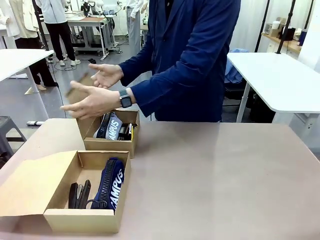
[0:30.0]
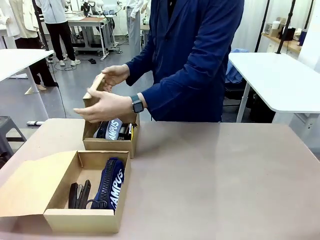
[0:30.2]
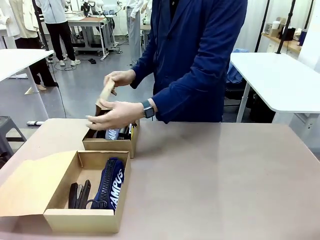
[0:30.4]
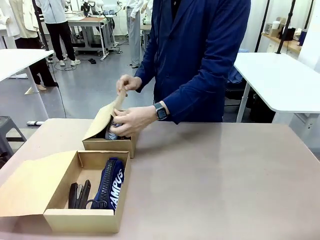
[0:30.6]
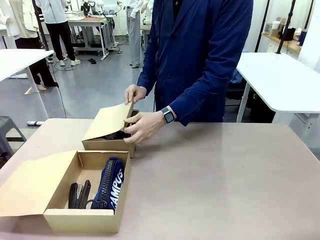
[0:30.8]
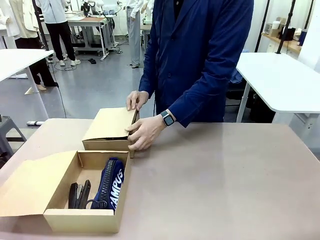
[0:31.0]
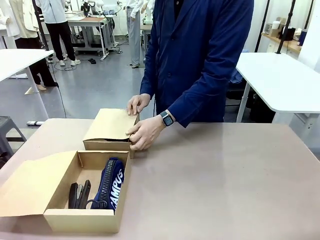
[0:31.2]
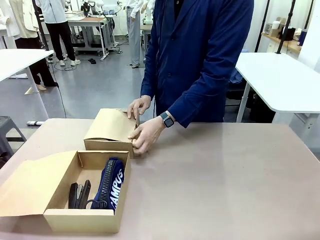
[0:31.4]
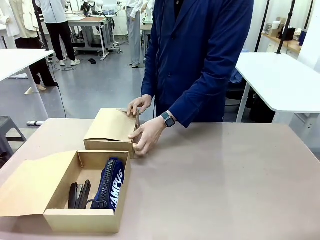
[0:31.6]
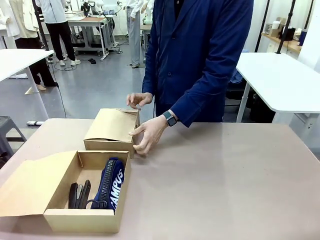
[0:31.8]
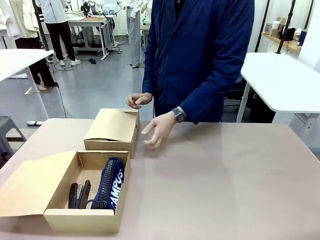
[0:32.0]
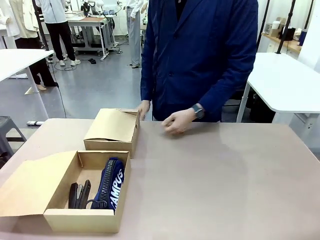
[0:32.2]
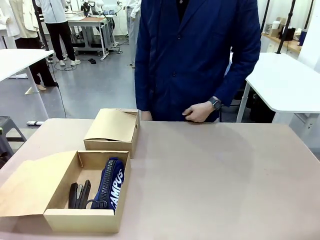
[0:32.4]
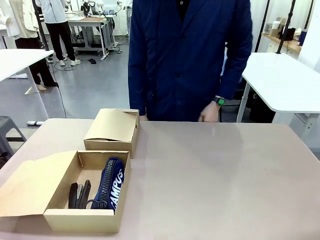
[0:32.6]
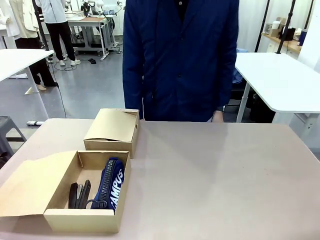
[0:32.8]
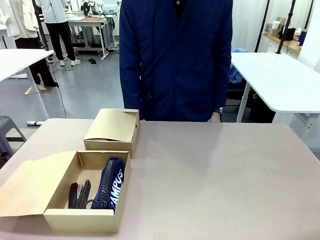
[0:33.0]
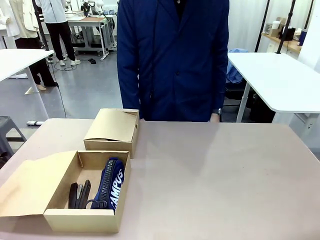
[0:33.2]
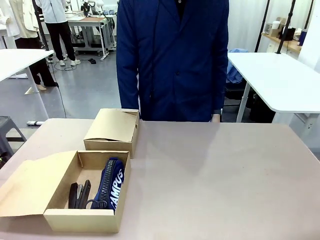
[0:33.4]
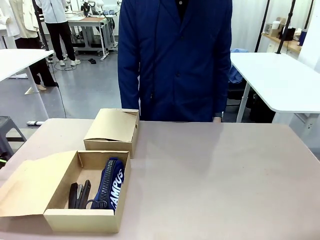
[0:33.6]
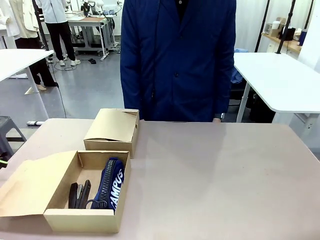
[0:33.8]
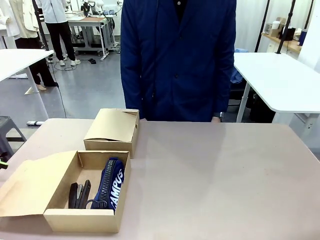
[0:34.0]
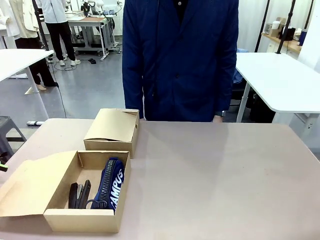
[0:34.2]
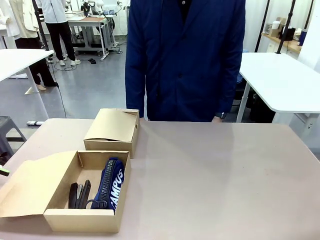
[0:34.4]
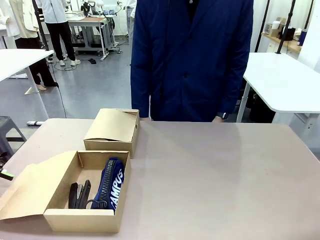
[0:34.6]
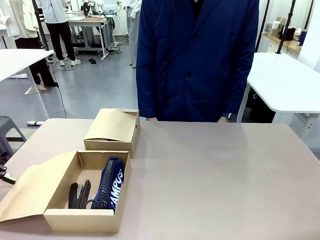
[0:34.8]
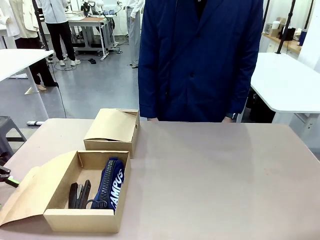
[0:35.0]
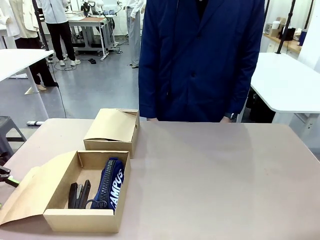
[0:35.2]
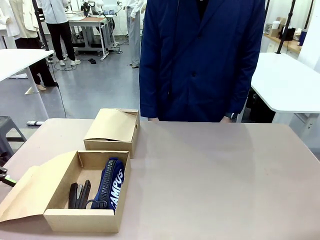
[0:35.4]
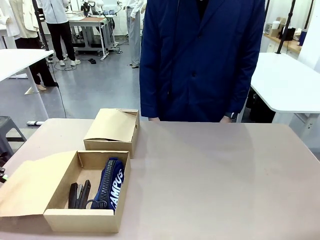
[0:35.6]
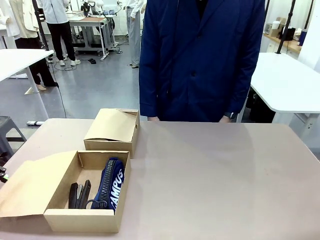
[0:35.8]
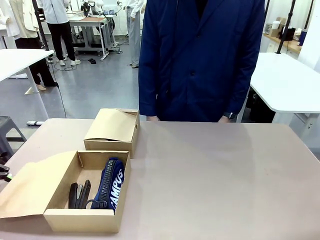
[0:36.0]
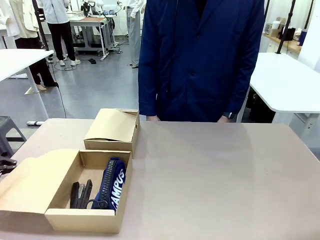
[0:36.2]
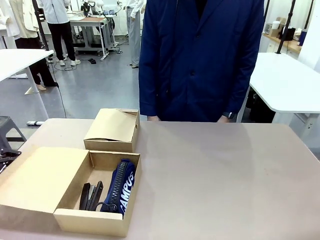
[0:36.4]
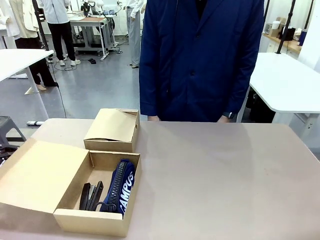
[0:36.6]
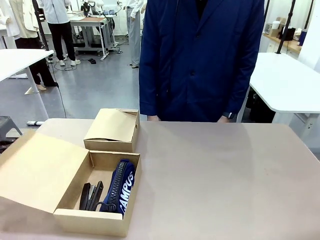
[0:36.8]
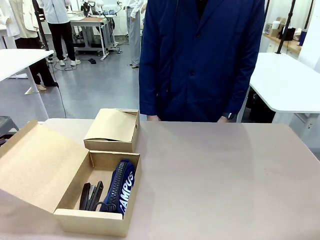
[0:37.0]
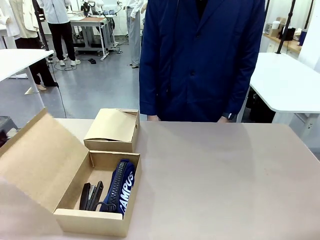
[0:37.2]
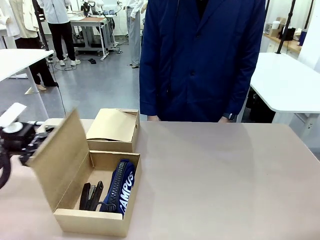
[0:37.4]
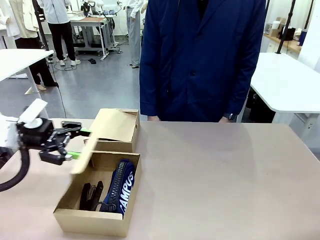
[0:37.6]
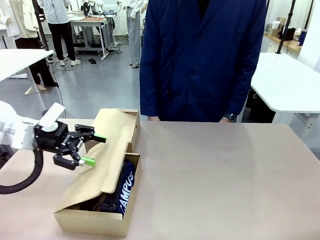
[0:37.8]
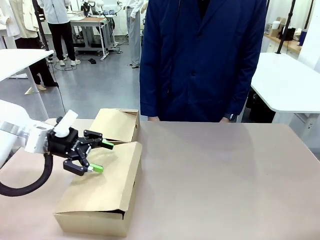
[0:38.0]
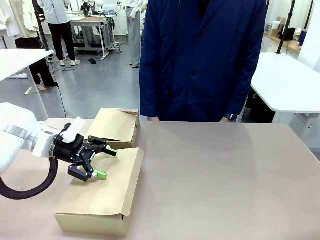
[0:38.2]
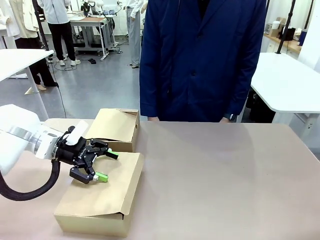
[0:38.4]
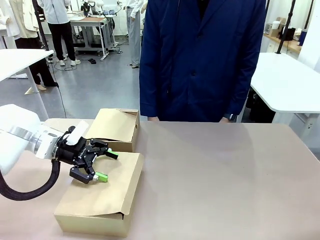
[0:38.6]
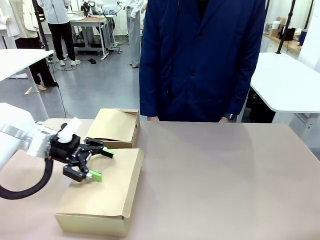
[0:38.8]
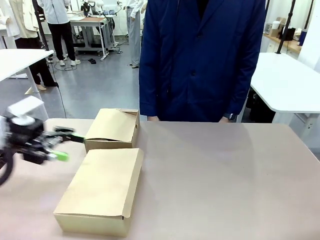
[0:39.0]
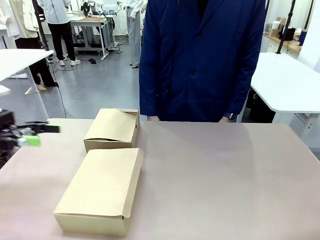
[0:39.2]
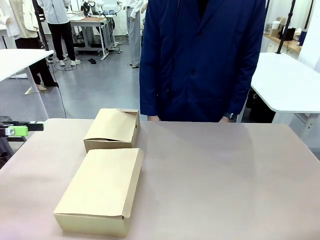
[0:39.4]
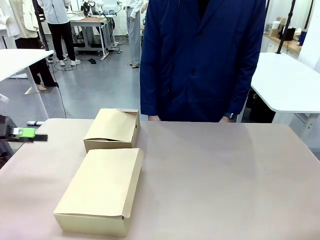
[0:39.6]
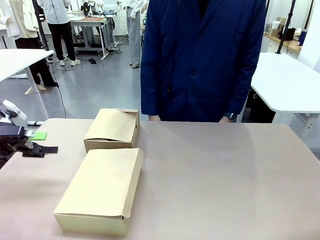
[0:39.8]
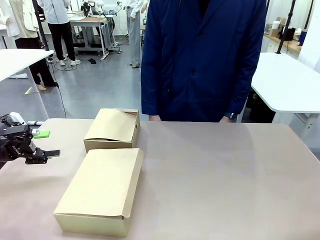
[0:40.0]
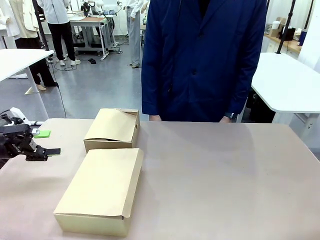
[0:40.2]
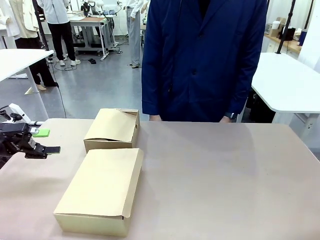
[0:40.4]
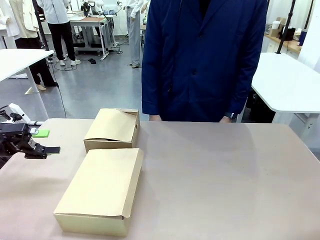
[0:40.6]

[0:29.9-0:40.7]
Task: Place items inside the box.
Robot: Close the lid of the Mailer Box closest to the robot.
Person: Close the lid of the box facing the person.

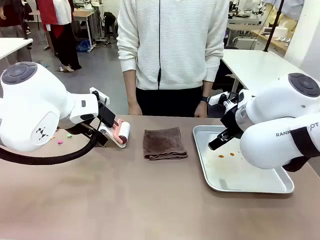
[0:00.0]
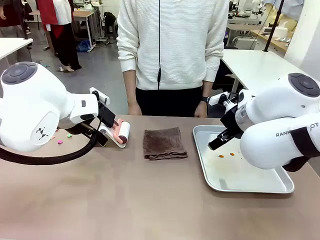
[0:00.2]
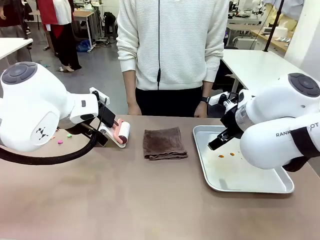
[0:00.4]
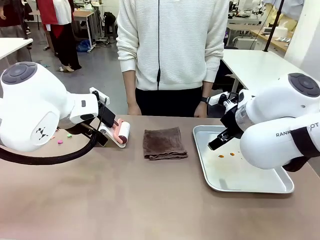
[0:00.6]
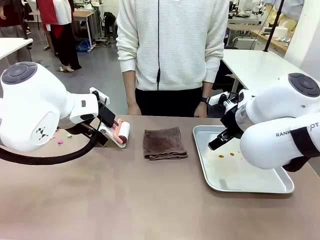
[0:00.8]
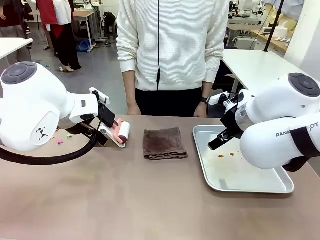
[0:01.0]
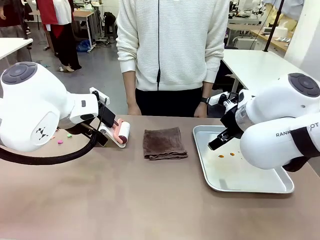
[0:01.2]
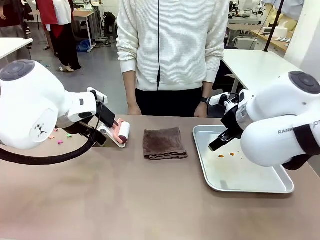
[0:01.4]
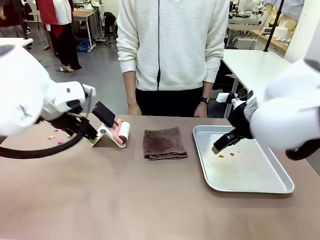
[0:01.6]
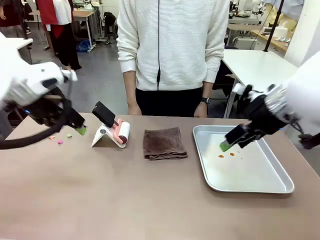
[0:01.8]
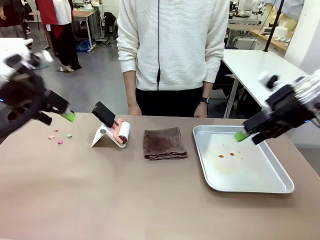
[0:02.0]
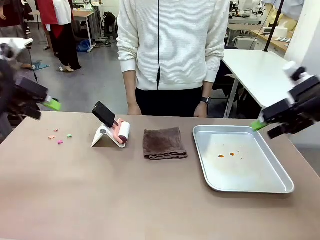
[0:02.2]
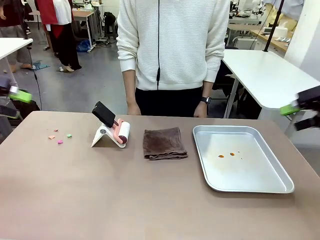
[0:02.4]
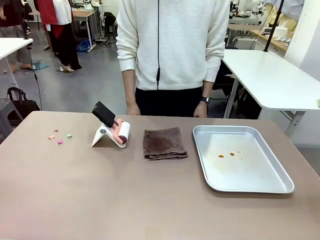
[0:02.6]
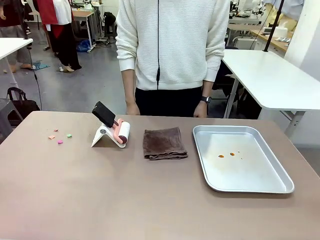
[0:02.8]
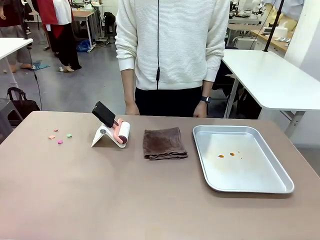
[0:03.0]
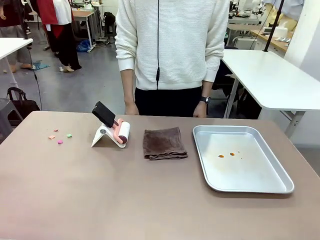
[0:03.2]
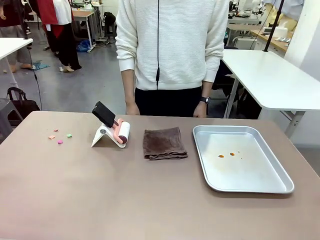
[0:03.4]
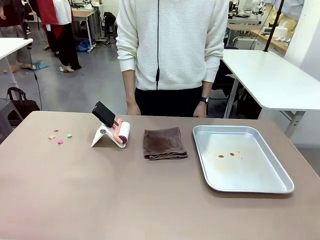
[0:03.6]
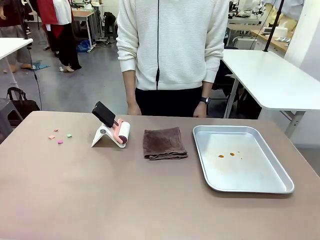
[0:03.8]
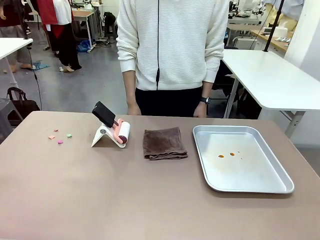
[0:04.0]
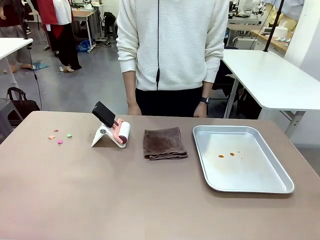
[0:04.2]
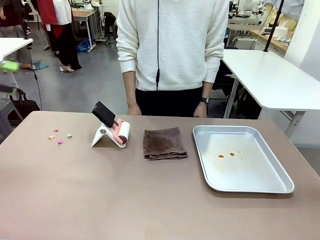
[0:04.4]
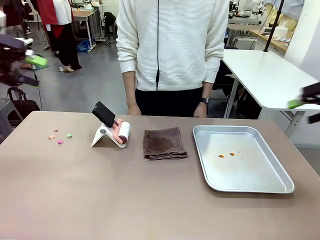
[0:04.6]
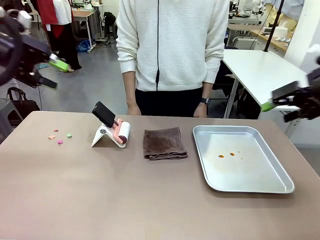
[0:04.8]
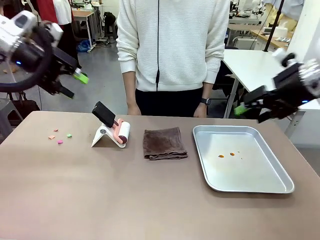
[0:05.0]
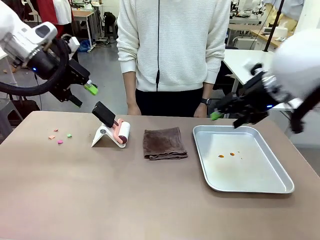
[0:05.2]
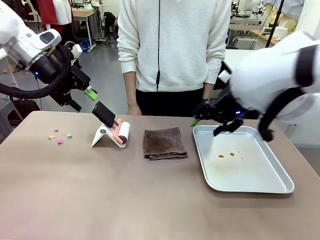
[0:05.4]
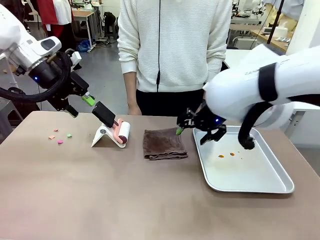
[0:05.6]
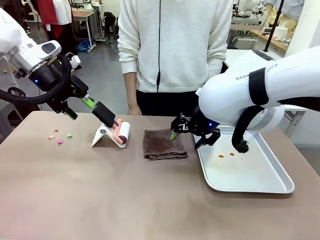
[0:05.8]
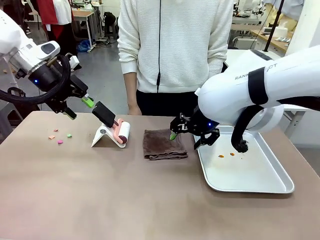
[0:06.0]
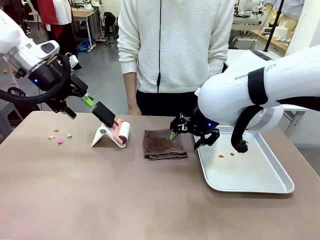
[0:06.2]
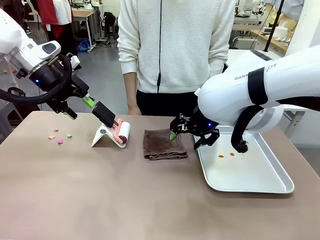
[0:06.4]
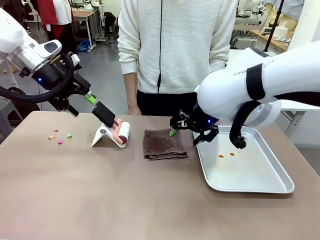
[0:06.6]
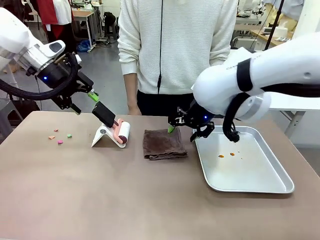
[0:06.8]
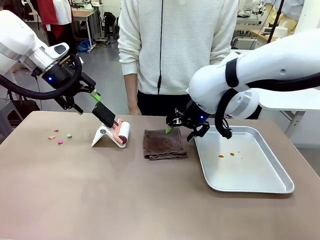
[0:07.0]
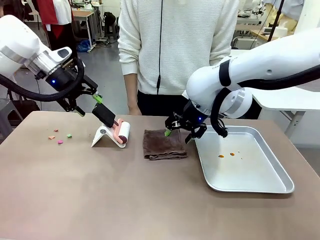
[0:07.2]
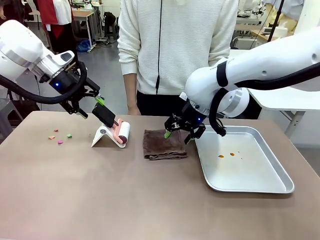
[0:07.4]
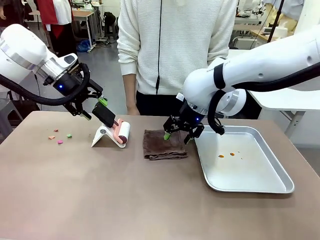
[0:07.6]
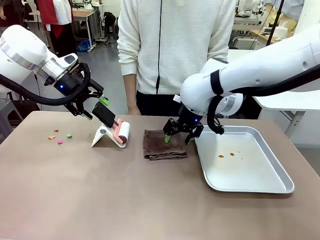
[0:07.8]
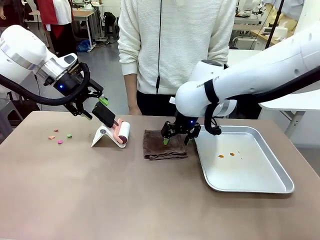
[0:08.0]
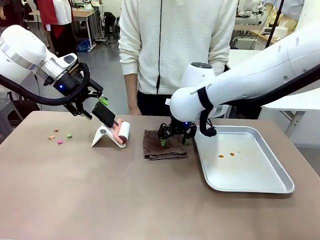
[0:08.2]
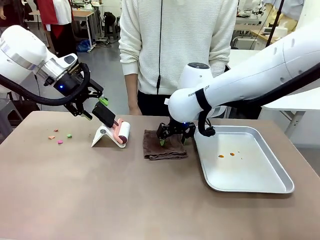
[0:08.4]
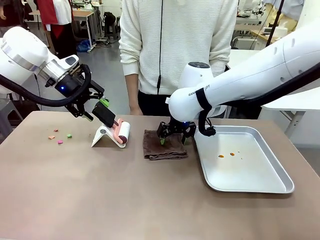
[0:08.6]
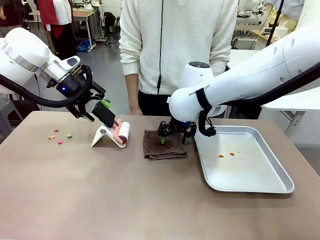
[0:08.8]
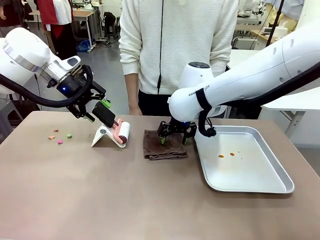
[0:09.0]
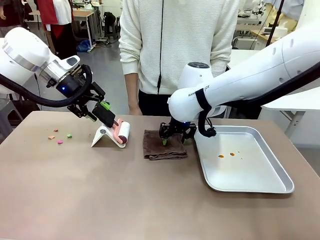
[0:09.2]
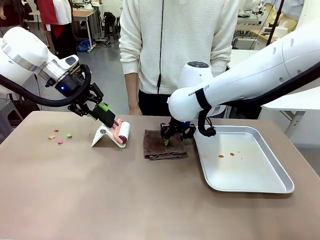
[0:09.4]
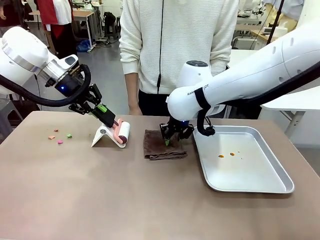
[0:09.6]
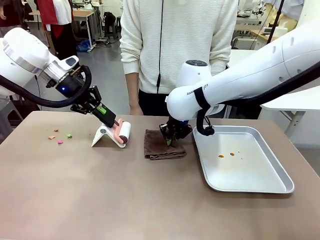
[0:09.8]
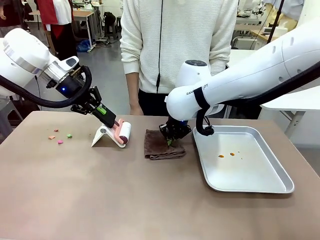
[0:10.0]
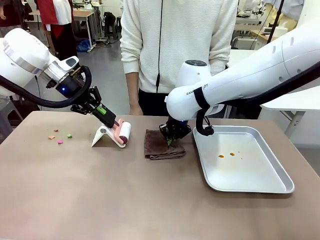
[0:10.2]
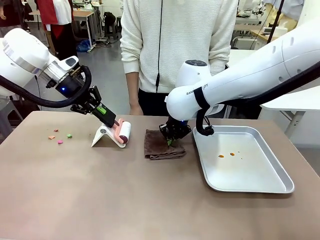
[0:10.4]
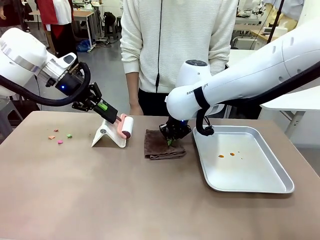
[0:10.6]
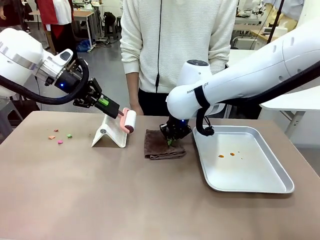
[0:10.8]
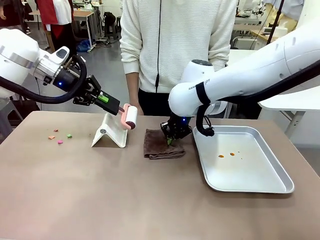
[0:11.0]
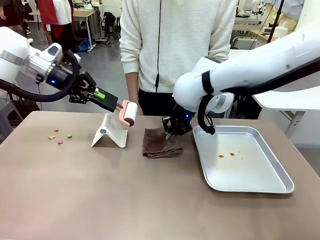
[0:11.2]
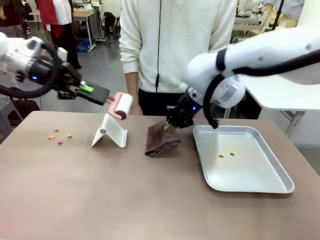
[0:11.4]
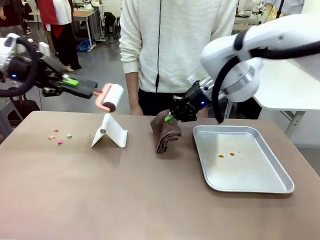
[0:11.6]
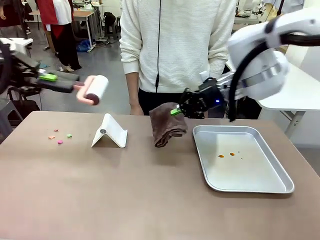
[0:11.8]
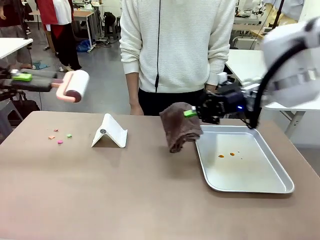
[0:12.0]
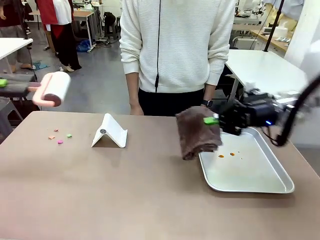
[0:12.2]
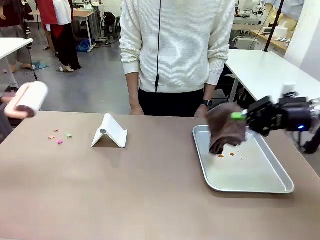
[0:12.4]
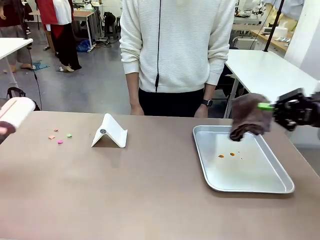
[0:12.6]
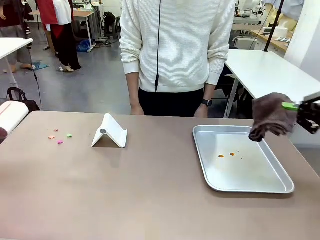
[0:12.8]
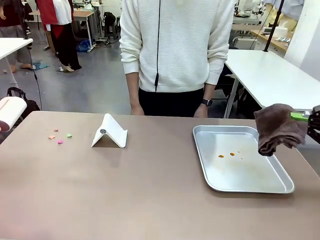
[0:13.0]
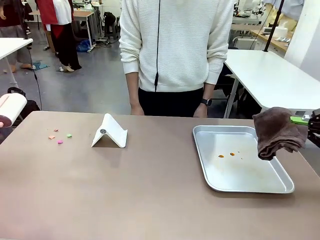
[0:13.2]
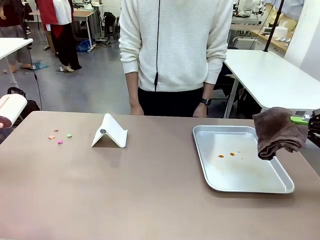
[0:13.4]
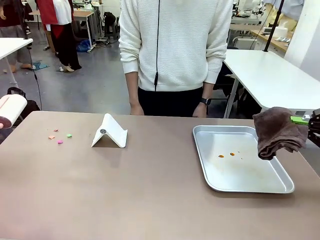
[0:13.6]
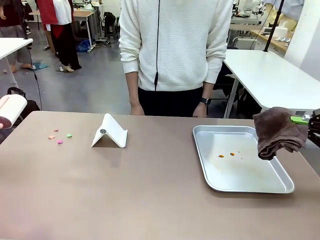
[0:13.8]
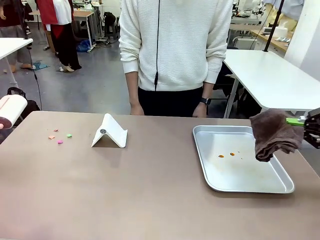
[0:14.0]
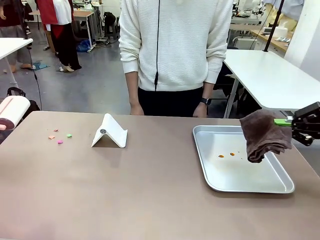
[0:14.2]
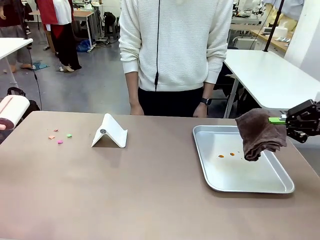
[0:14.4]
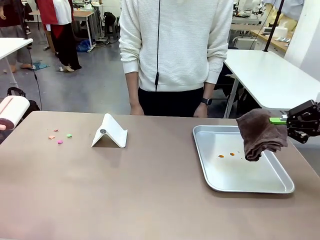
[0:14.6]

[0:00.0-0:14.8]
Task: Clean the surface of the table.
Robot: Hold the Lint Roller with your left hand and the towel with your right hand.
